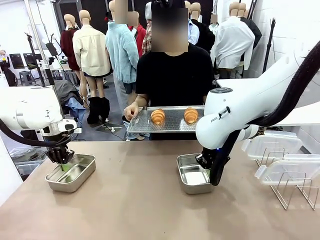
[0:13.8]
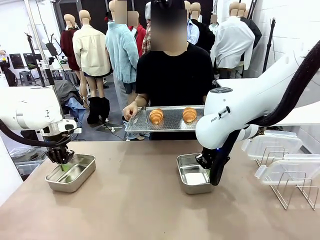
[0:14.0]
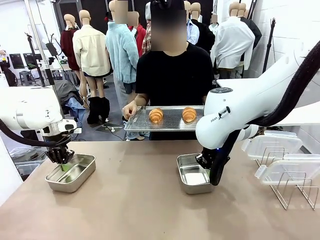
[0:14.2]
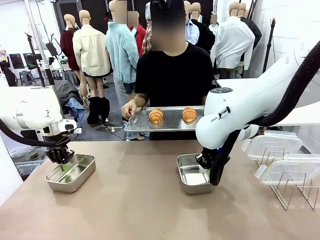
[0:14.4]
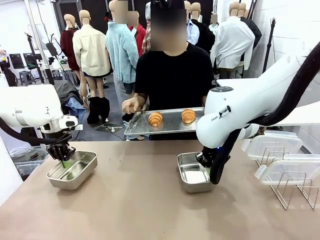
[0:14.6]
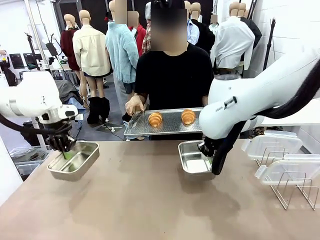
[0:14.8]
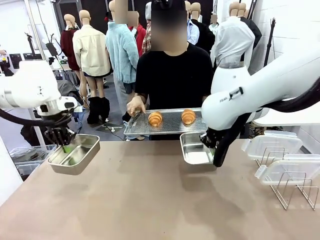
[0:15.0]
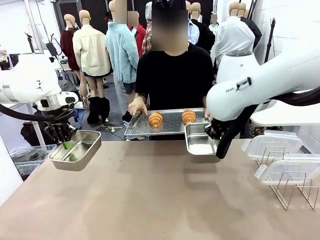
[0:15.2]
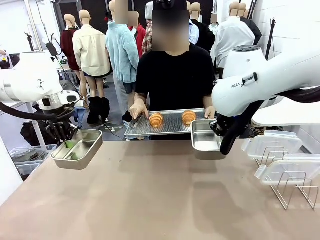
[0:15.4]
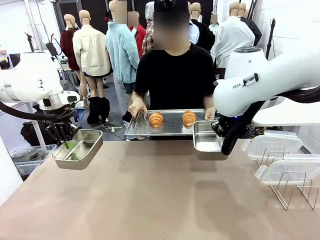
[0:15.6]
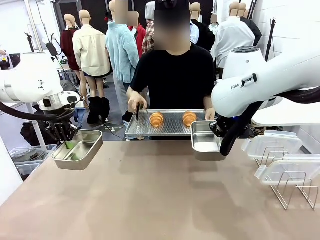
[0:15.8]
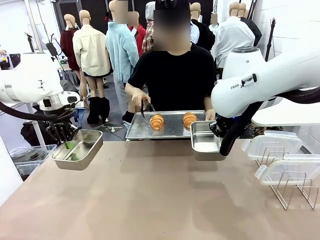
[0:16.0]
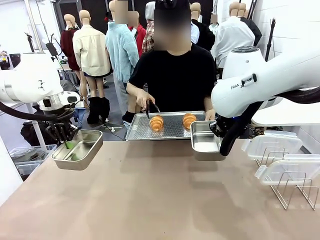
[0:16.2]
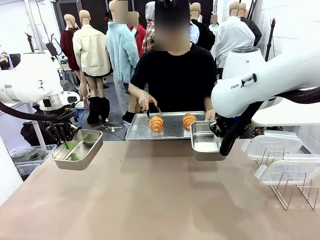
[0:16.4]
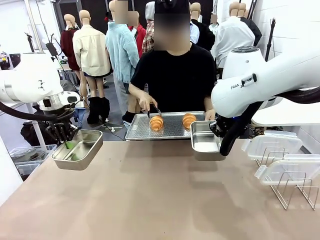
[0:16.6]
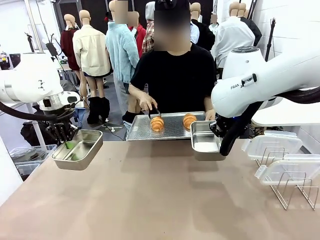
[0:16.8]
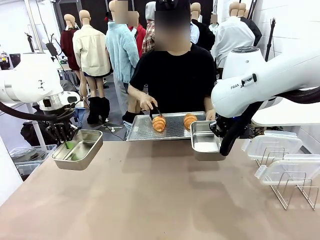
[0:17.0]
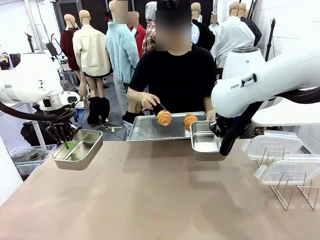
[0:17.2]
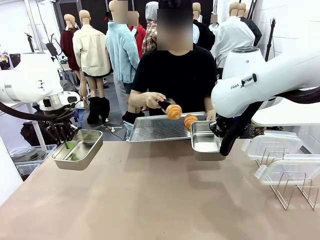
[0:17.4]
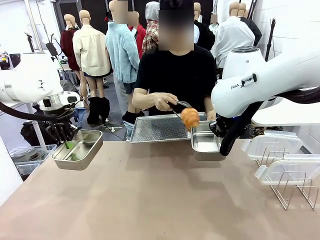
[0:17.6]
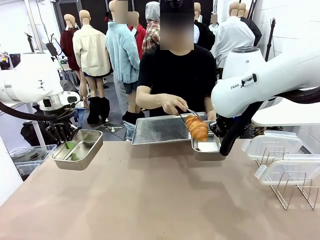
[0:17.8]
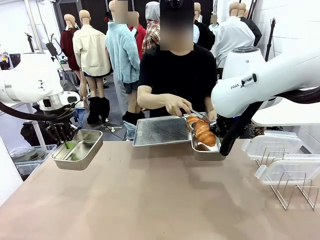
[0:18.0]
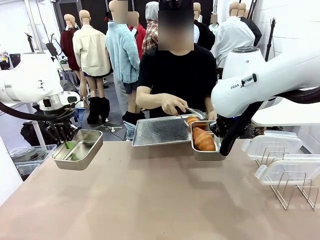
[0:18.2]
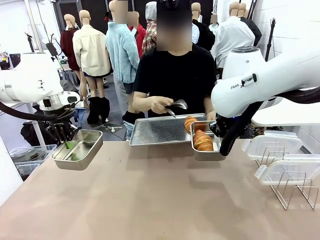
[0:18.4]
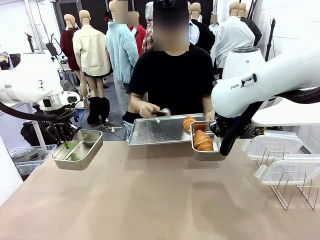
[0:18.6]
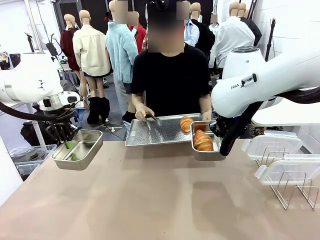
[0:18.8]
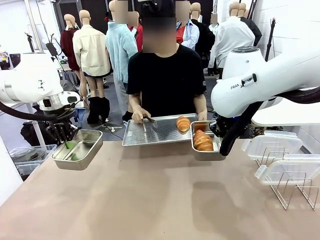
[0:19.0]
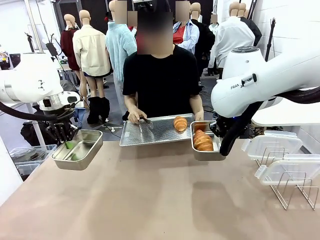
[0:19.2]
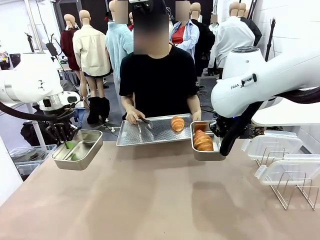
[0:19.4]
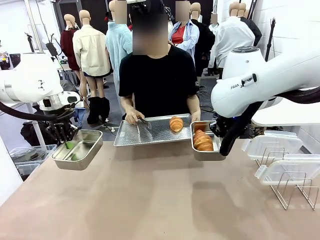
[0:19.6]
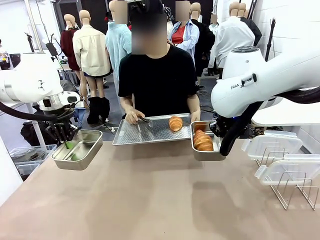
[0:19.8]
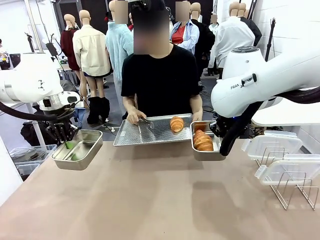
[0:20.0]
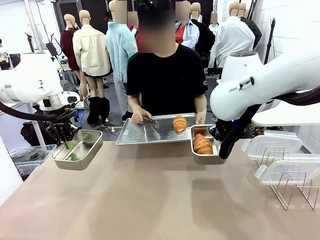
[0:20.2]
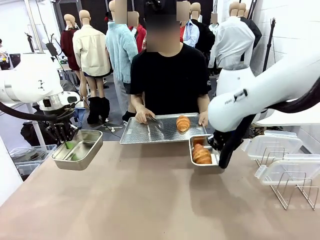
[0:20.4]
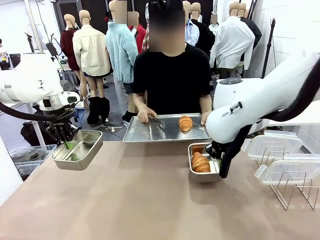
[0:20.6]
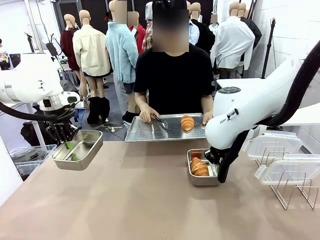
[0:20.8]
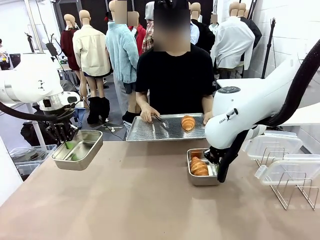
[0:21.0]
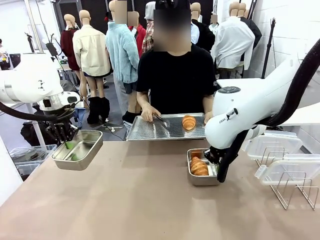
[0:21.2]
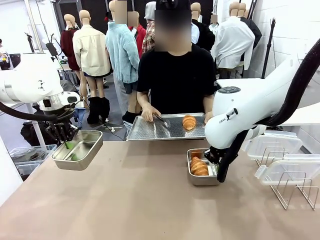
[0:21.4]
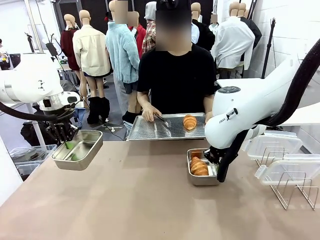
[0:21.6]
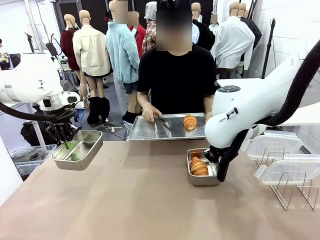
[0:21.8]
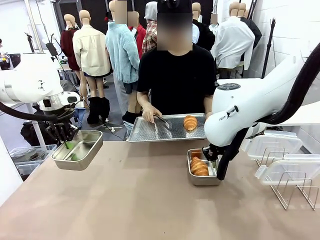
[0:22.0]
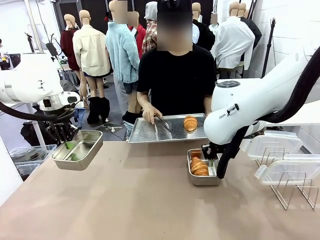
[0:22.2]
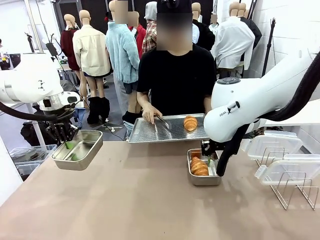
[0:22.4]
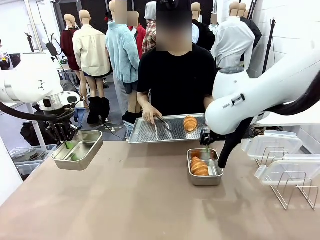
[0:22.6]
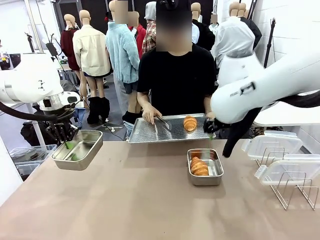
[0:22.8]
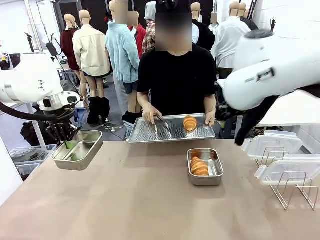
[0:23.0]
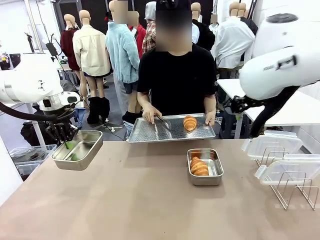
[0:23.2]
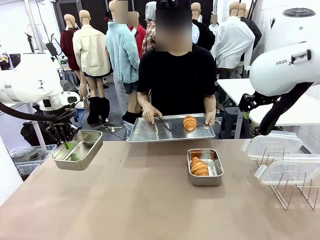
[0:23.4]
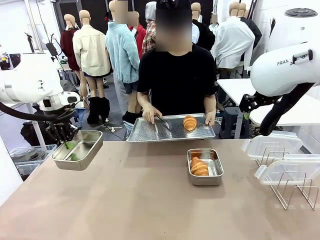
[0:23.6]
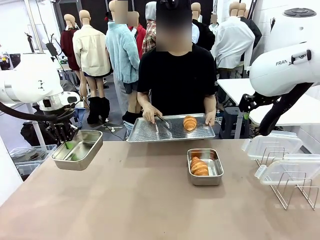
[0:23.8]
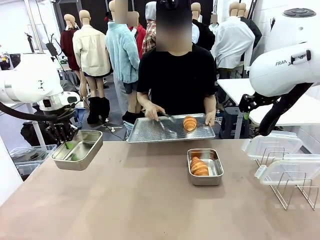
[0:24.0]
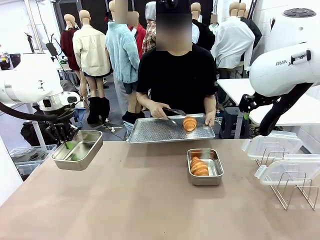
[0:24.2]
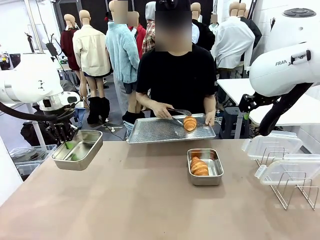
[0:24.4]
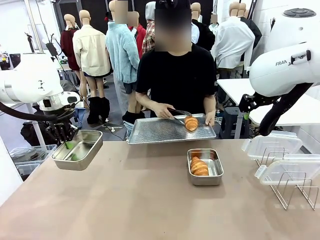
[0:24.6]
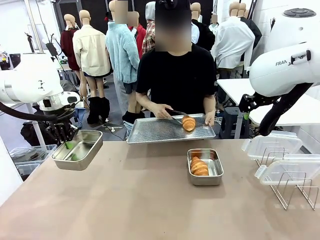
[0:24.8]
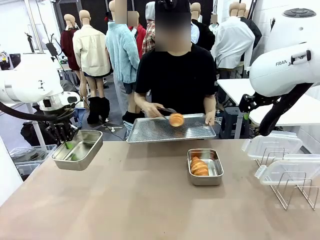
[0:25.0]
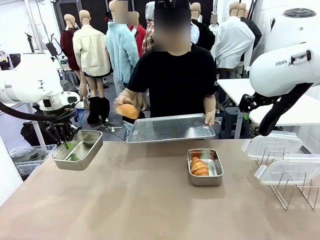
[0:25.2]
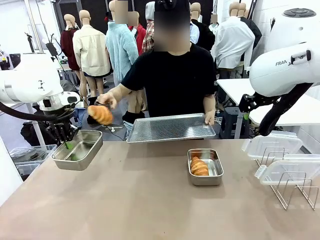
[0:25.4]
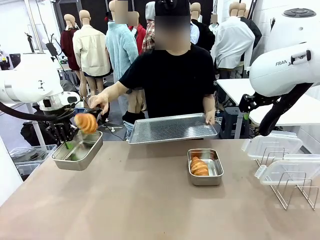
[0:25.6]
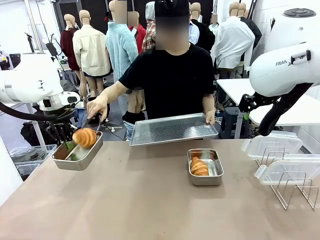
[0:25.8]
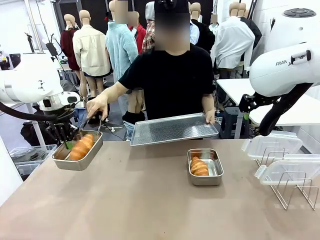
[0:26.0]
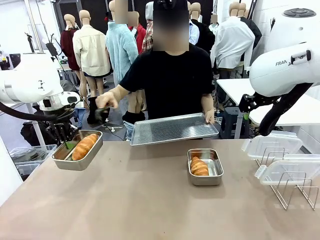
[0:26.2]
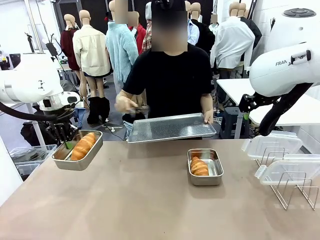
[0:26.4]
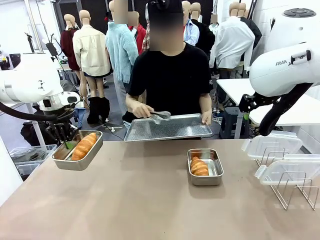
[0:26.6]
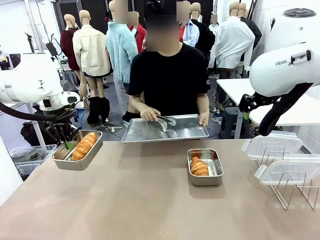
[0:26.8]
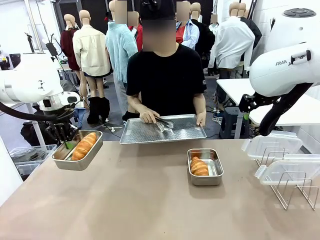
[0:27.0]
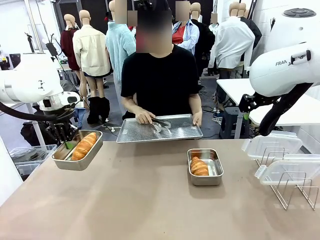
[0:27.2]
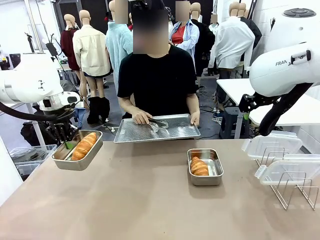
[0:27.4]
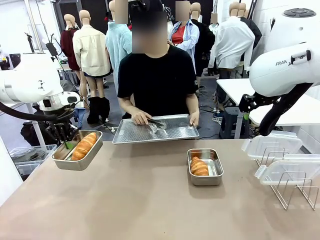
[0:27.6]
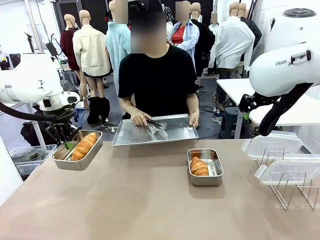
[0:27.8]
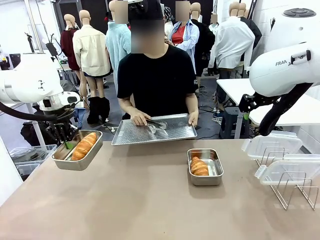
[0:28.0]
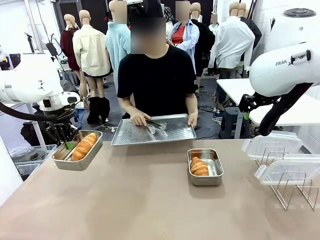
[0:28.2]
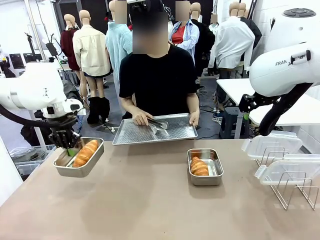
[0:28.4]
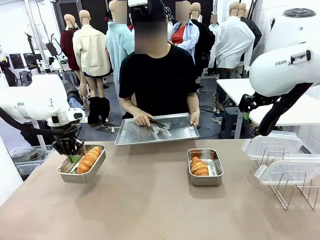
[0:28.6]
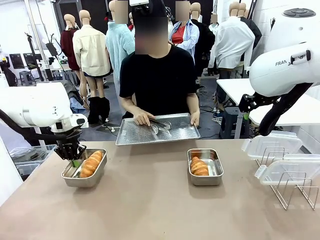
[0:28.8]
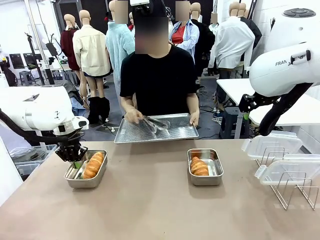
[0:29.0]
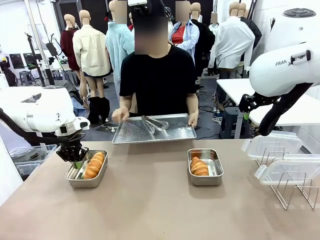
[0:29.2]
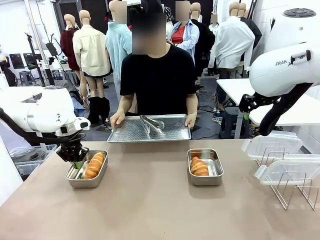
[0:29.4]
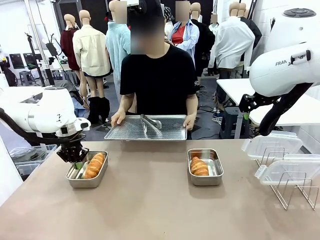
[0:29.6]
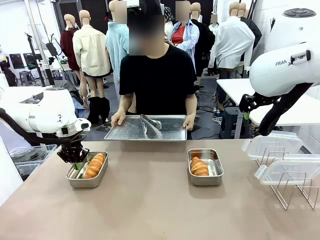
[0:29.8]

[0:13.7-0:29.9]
Task: Place the bread in airtight containers.
Robot: Once an object is inside an Airtight Container , place the container in the center of the table.
Person: Use the Stainless steel tongs to place one object from Baking Sheet into one Airtight Container.
